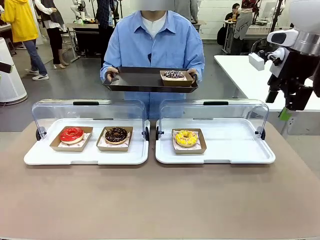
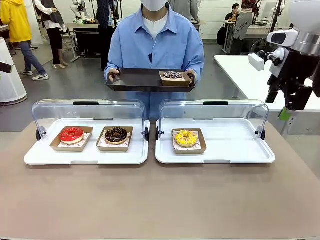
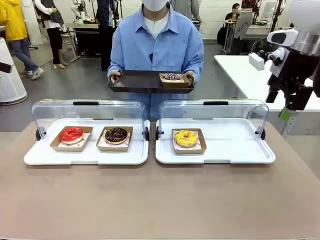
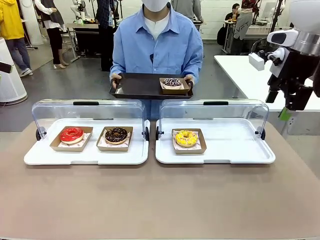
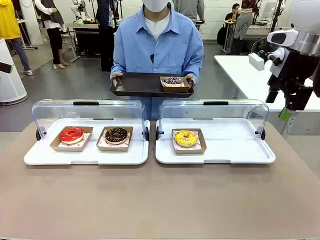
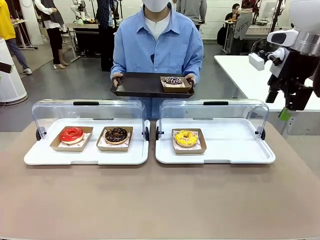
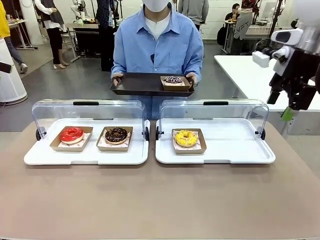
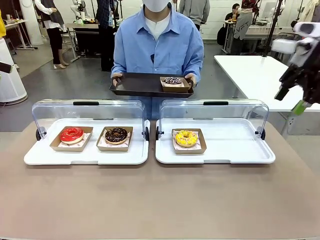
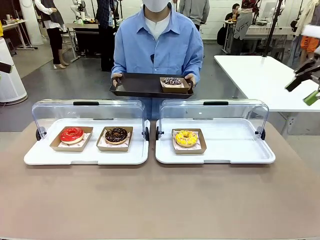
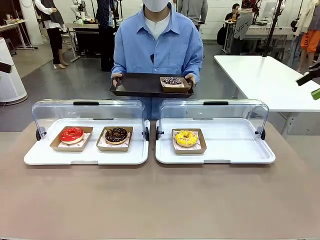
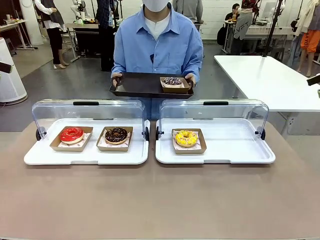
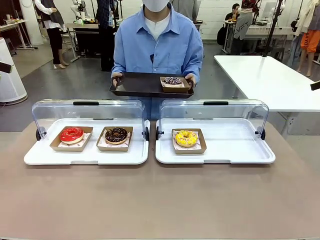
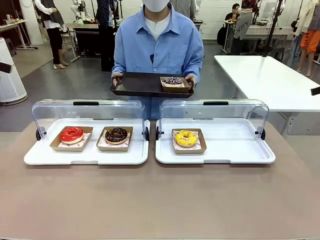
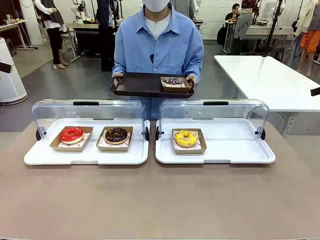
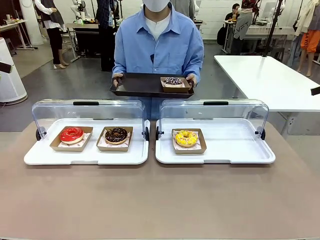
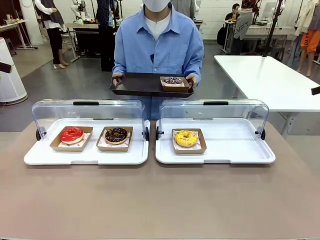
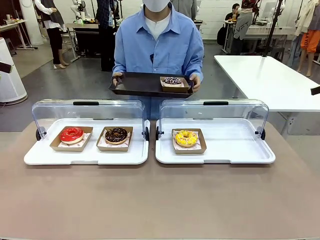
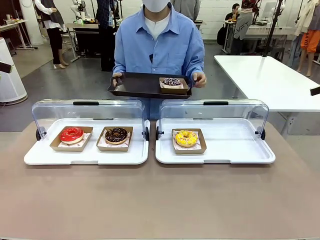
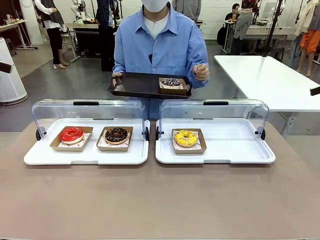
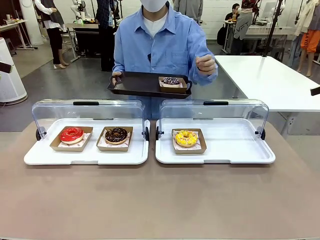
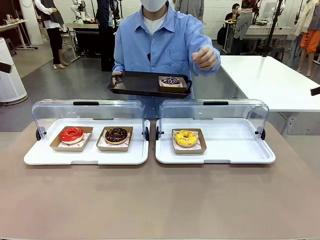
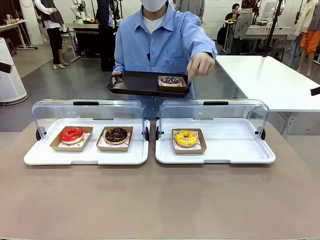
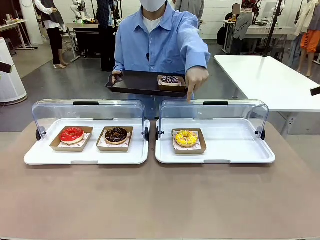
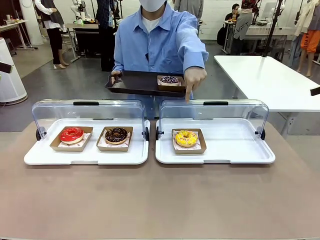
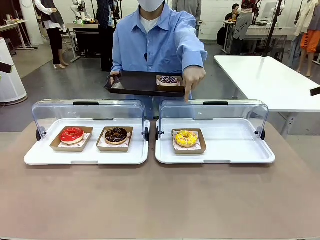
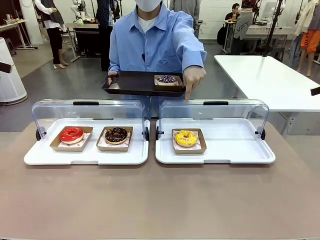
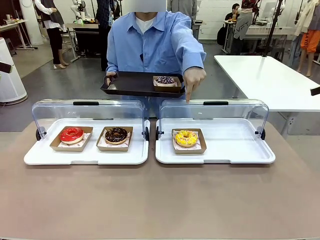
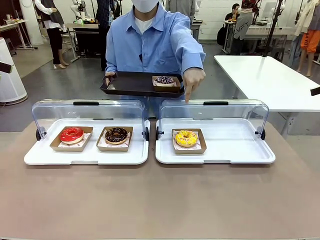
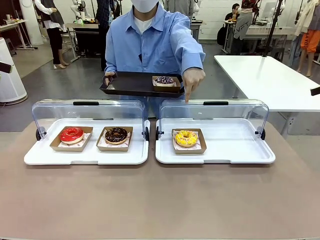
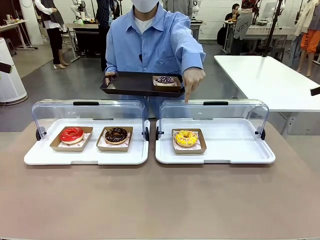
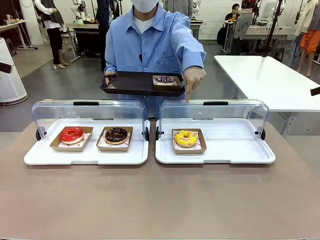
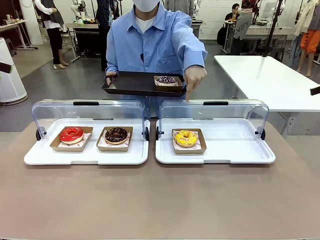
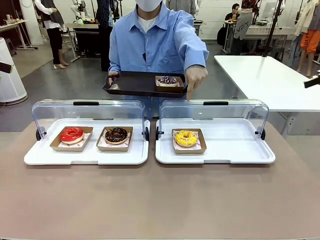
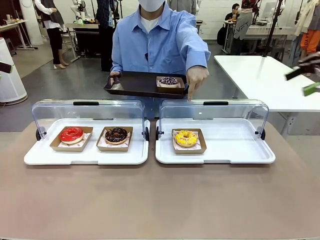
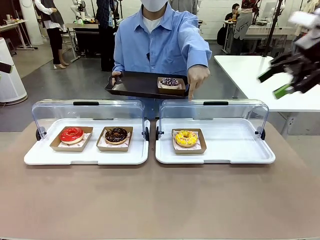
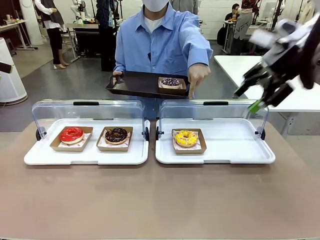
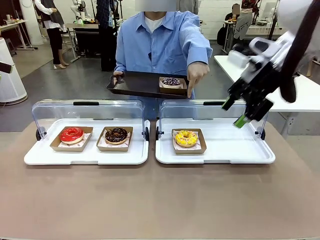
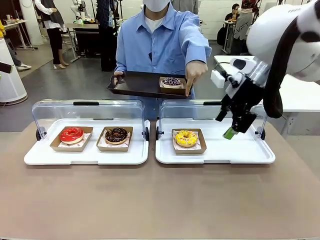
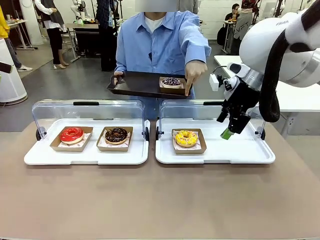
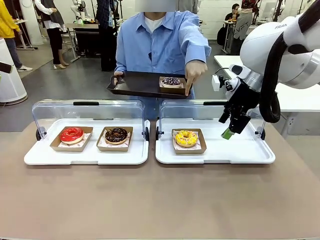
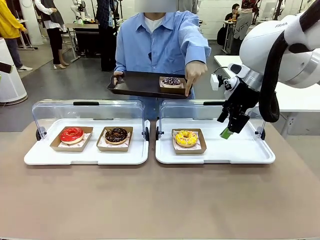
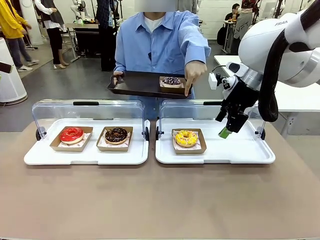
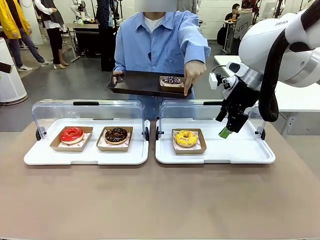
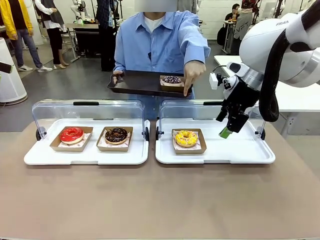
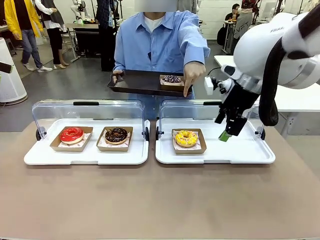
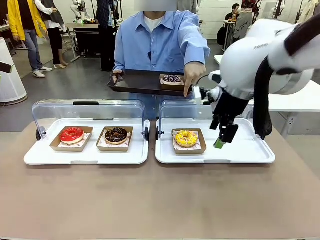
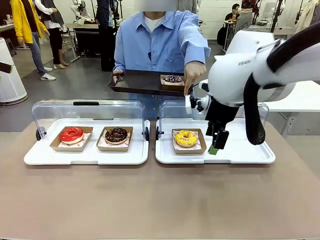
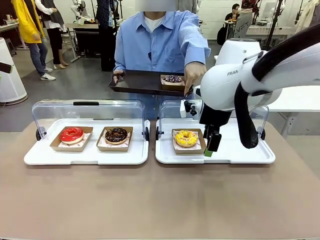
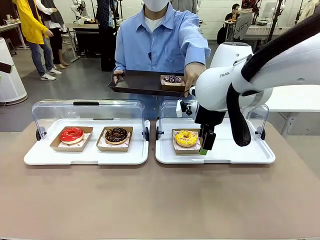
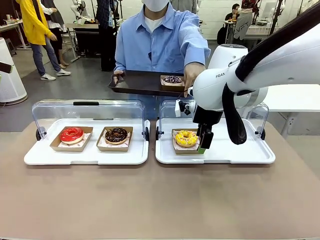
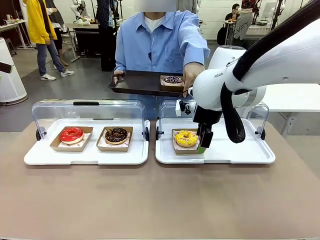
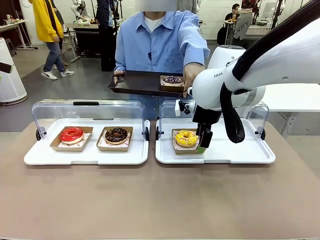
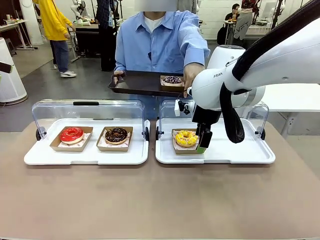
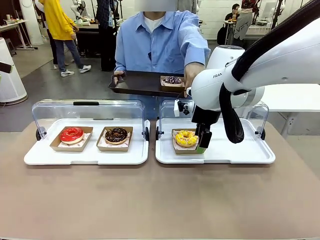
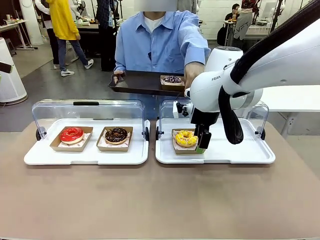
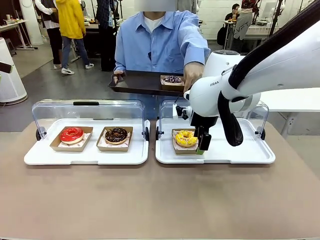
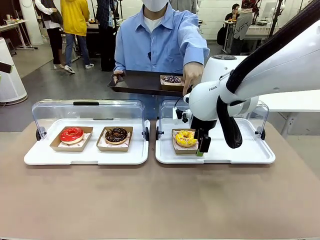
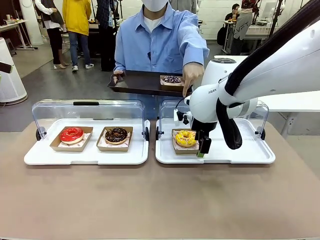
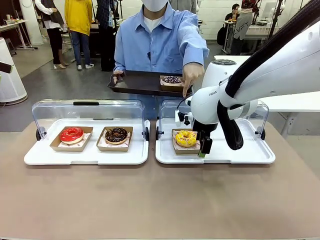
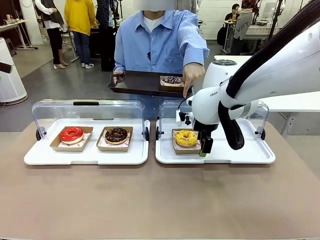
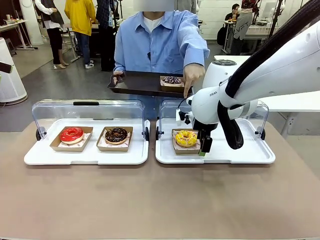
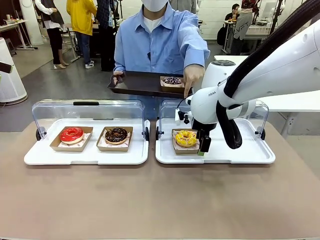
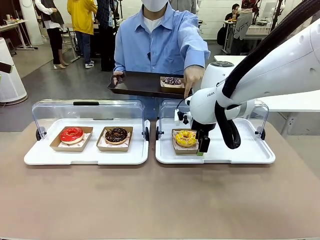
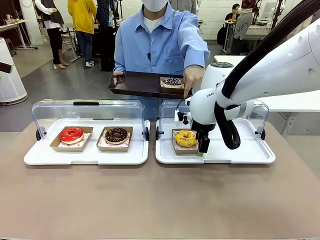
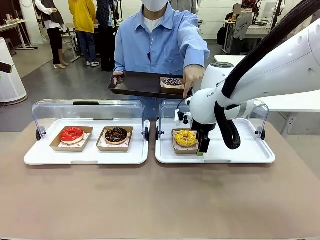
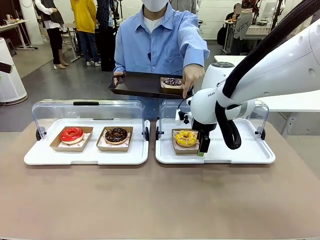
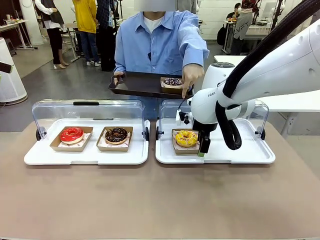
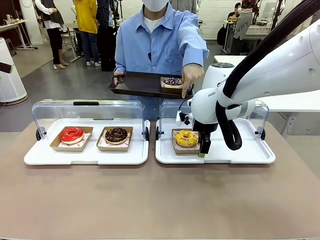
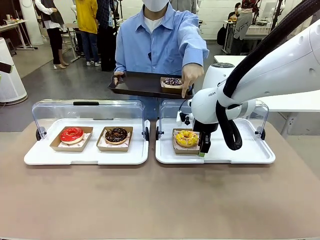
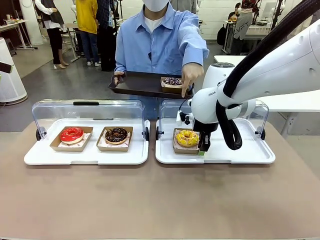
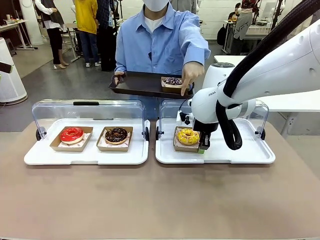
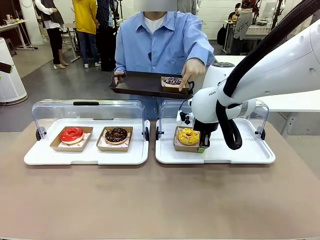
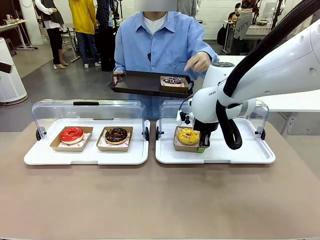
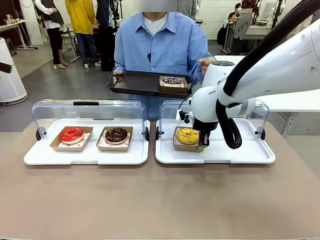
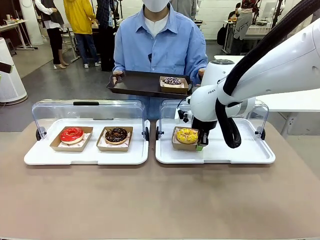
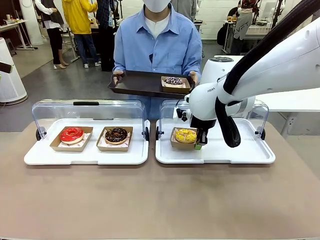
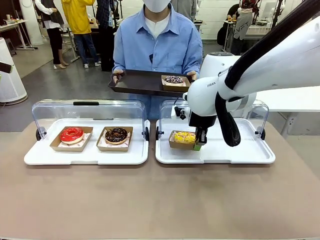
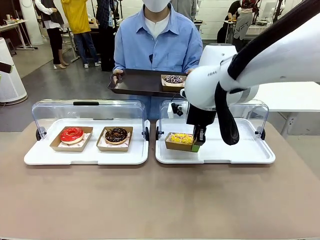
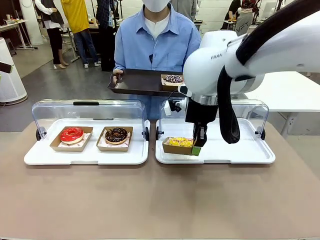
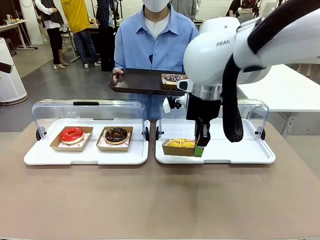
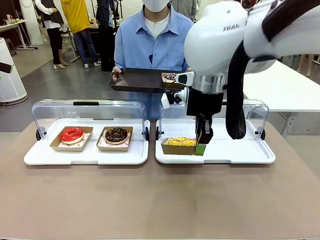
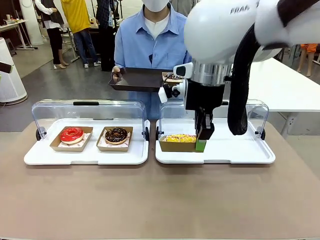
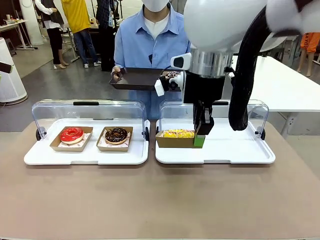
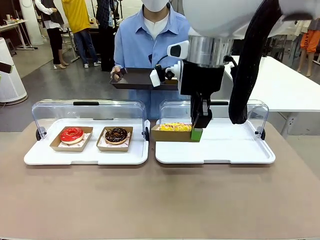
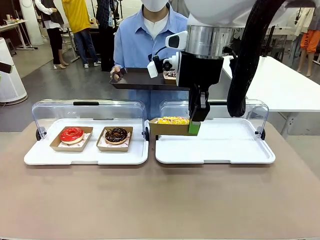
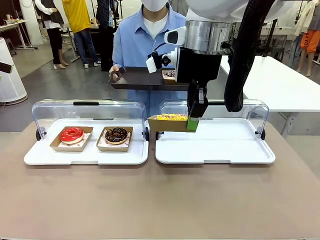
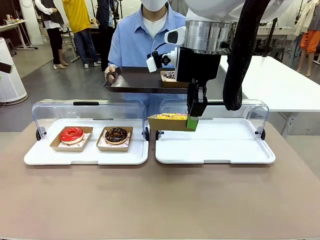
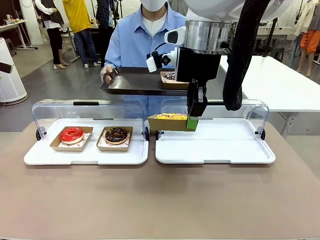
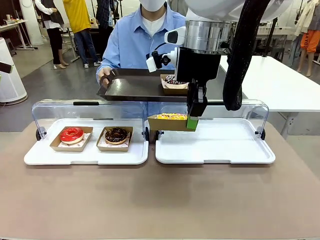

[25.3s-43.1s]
Task: Provide the desired donut to the person.
Robot: Pick up and lift the Paper togo box containing the Donut pointed at by the person.
Person: Point to one donut. Lift the tray onto the Roll-Top Bakery Case.
